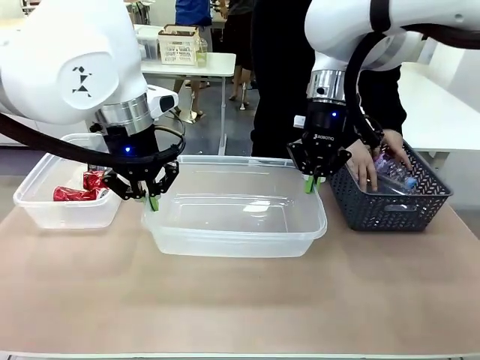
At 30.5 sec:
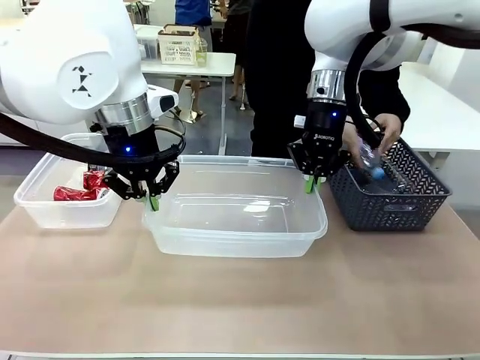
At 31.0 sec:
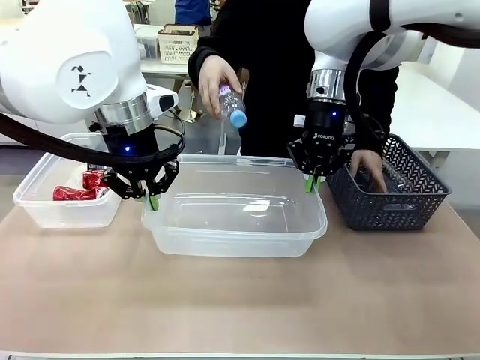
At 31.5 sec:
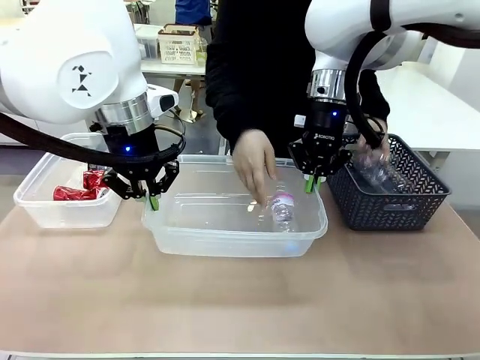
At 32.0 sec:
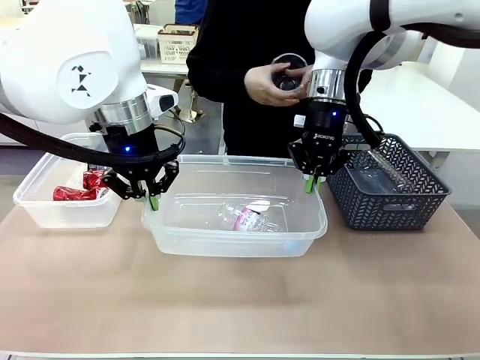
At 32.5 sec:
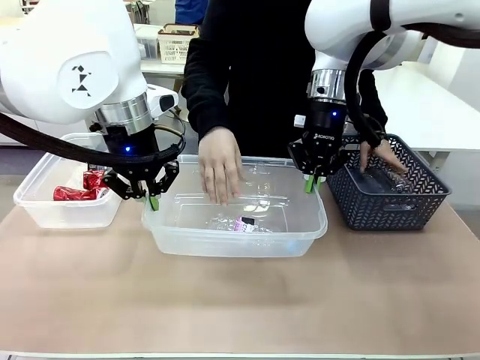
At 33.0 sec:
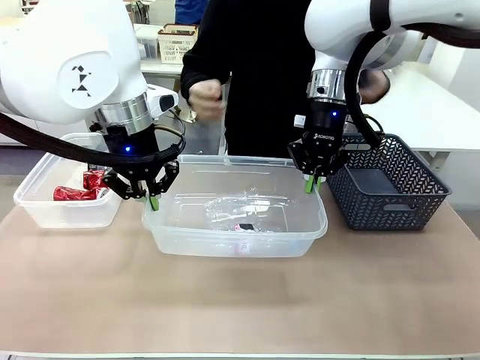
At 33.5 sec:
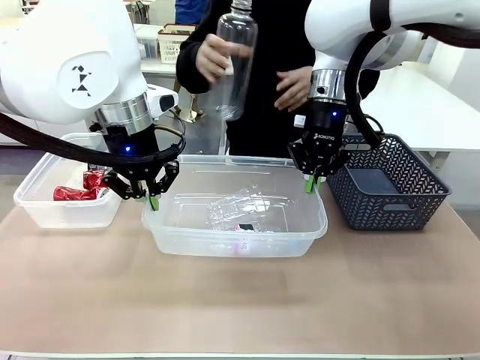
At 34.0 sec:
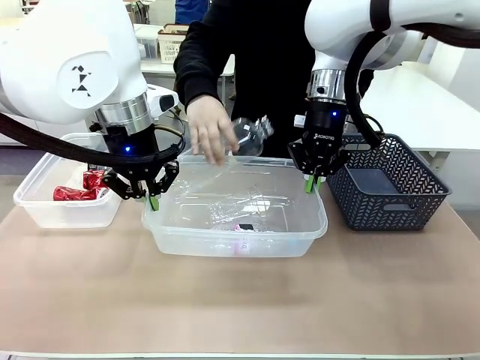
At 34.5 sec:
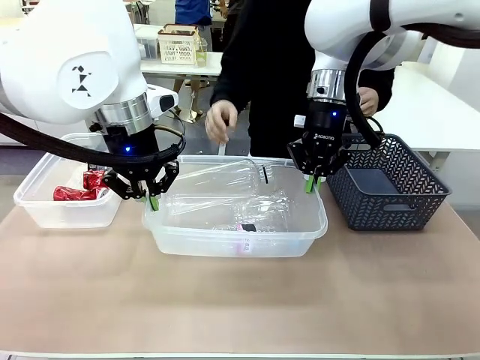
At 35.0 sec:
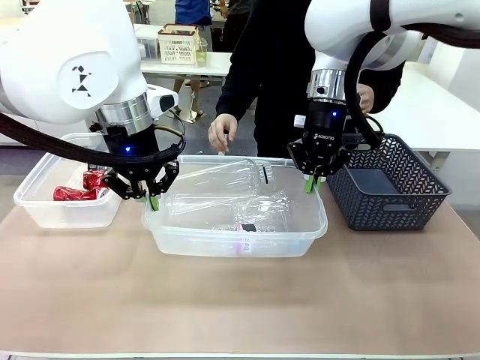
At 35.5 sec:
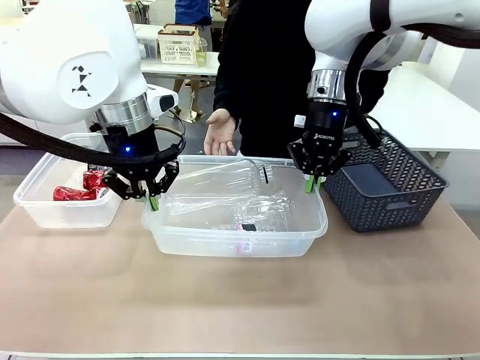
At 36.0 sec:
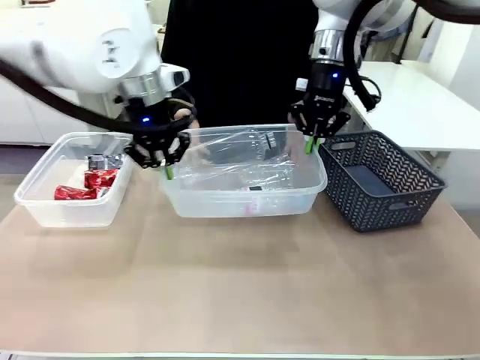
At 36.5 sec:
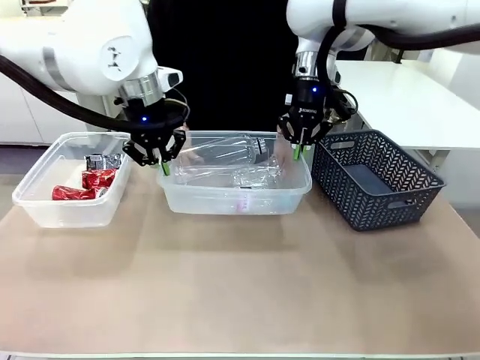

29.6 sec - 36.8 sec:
Robot: Offer the picked Organizing box to the human.

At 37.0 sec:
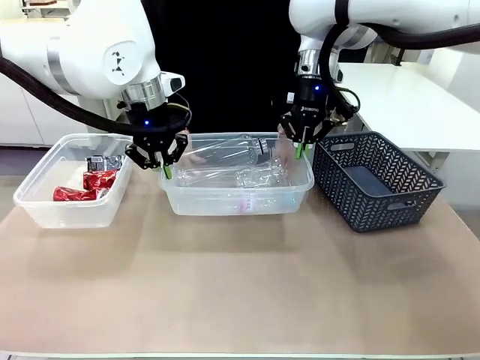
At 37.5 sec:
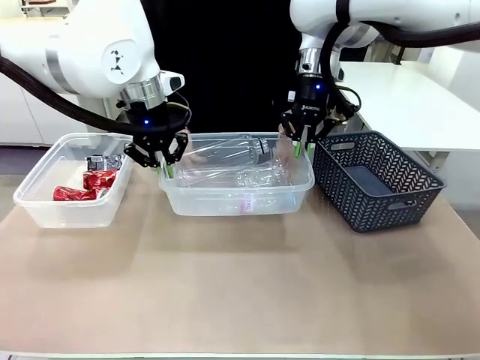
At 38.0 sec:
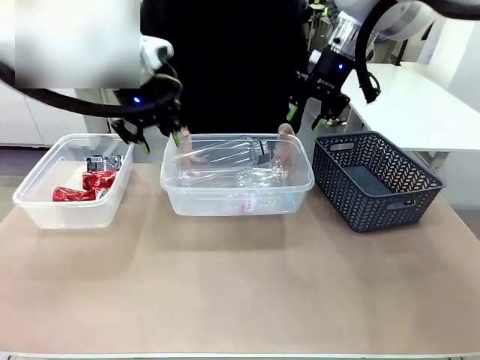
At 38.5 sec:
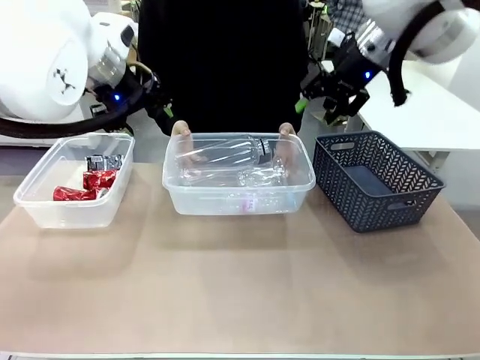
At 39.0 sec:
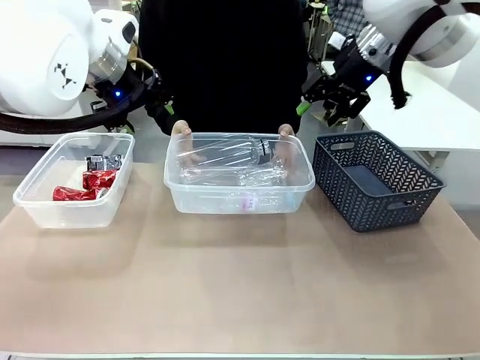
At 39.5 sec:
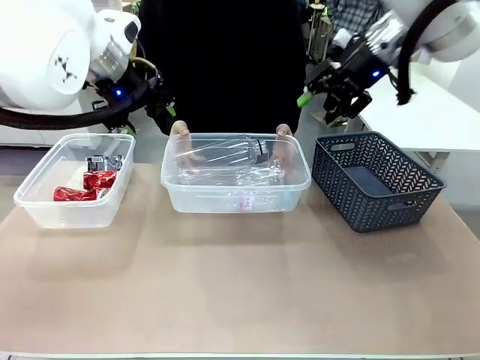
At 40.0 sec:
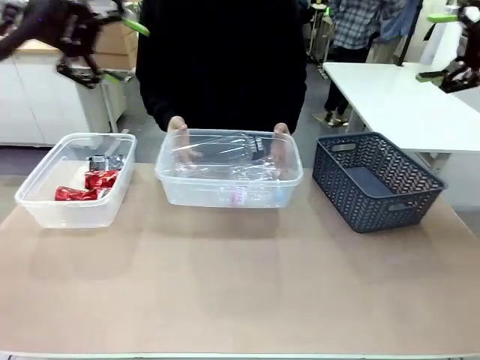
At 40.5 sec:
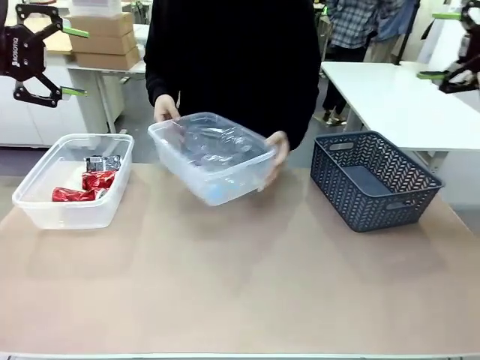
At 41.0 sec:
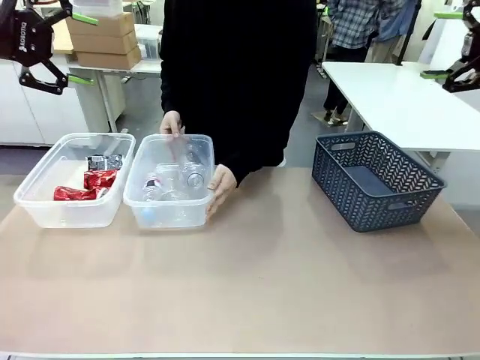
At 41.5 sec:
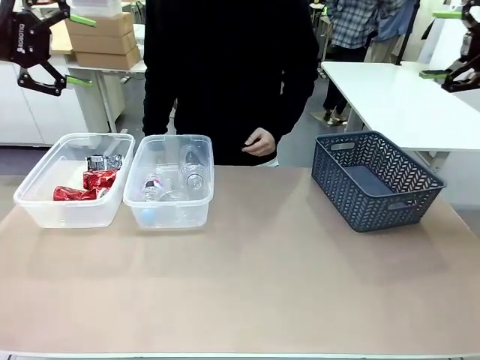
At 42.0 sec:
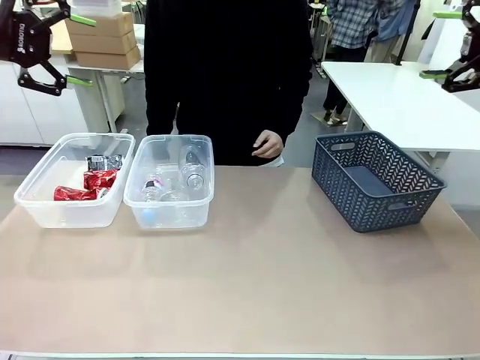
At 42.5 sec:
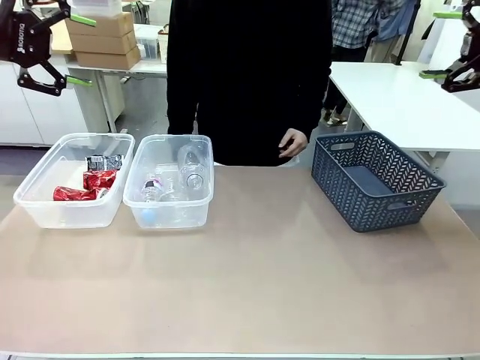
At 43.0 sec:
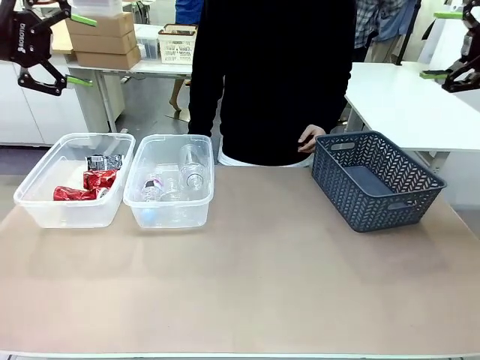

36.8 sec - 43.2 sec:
Robot: Release the Organizing box you were holding.
Person: Pick up the organizing box extended by the robot. Place the organizing box to the left of the sorting box containing the can waste.

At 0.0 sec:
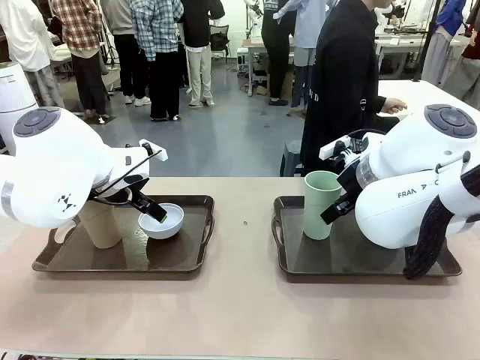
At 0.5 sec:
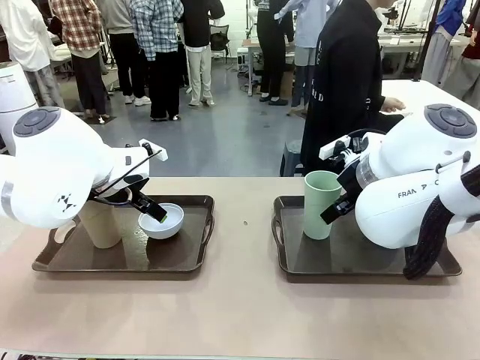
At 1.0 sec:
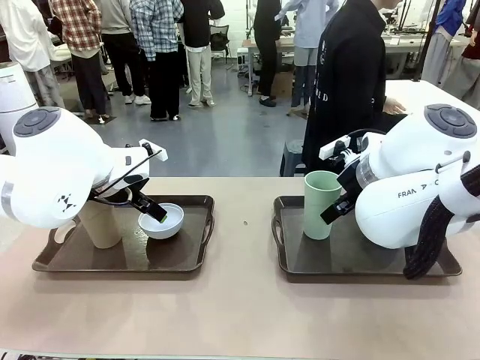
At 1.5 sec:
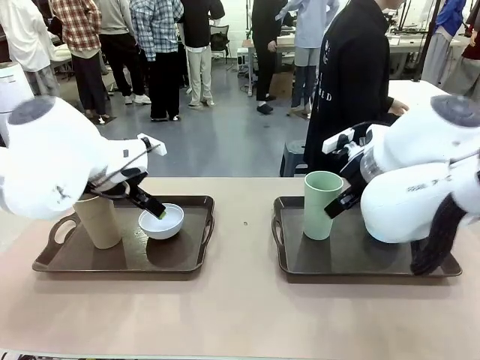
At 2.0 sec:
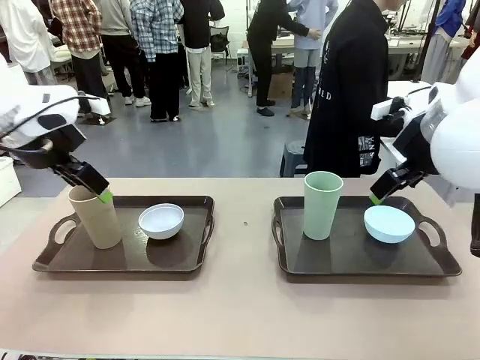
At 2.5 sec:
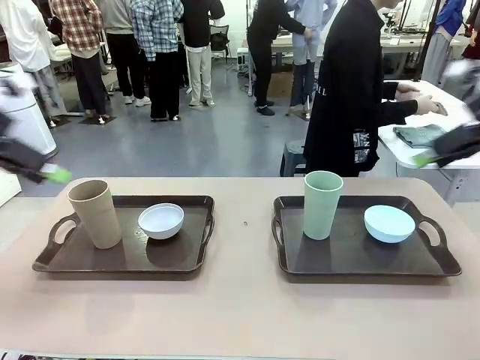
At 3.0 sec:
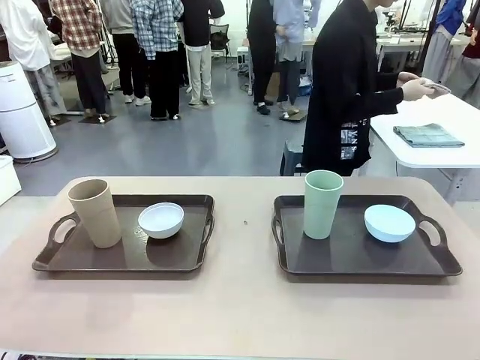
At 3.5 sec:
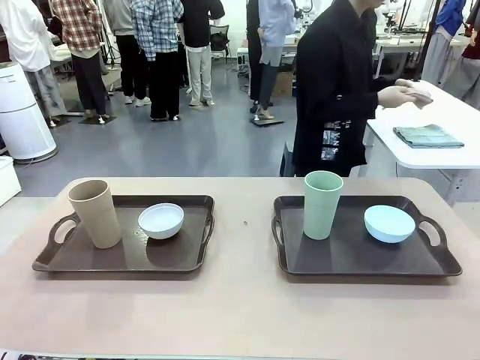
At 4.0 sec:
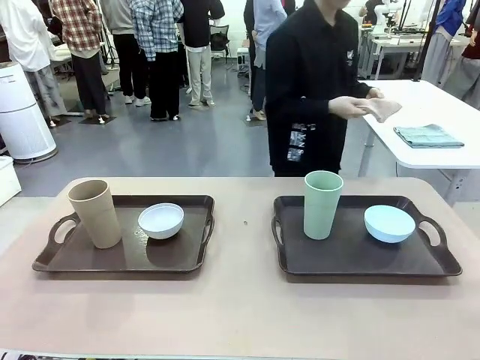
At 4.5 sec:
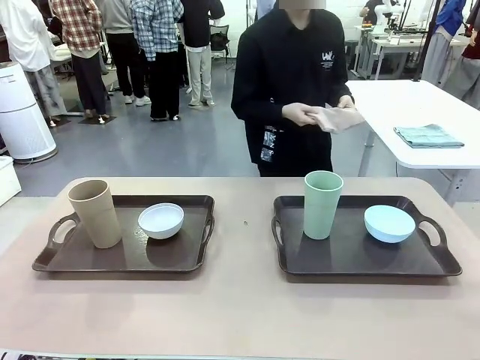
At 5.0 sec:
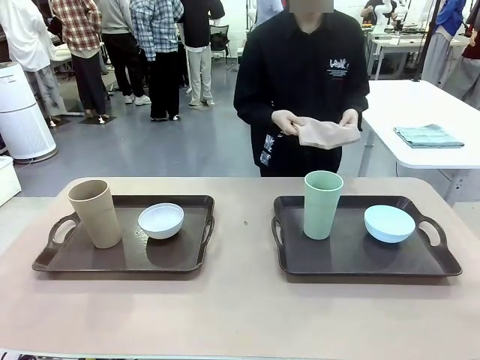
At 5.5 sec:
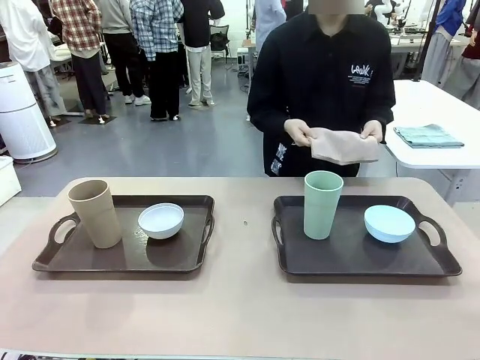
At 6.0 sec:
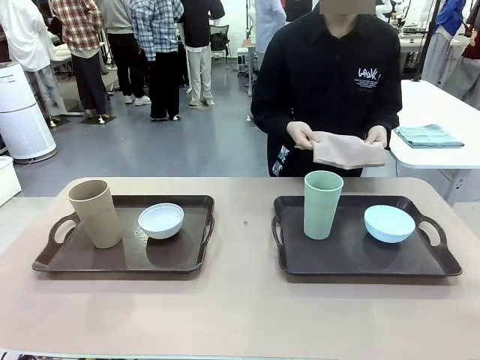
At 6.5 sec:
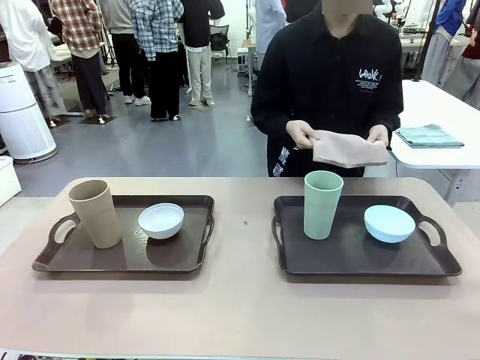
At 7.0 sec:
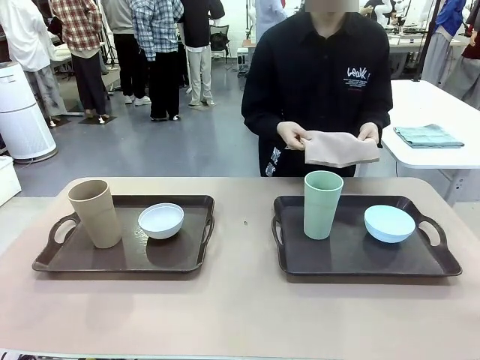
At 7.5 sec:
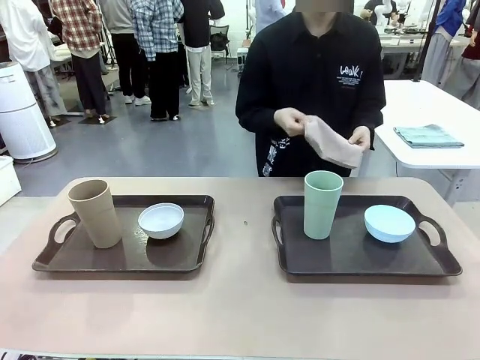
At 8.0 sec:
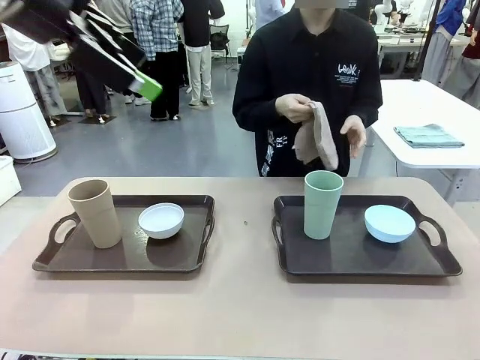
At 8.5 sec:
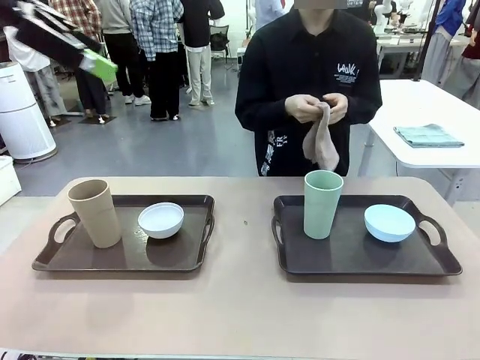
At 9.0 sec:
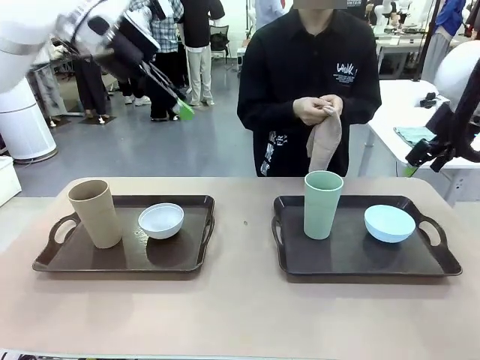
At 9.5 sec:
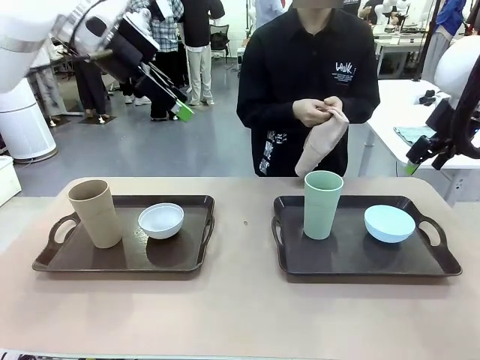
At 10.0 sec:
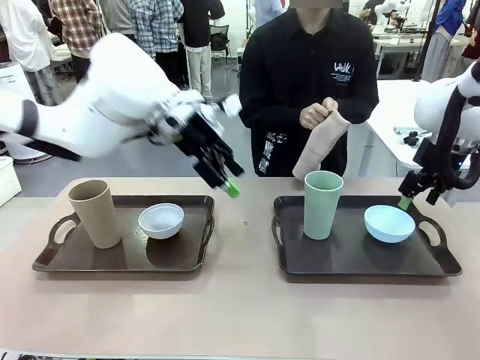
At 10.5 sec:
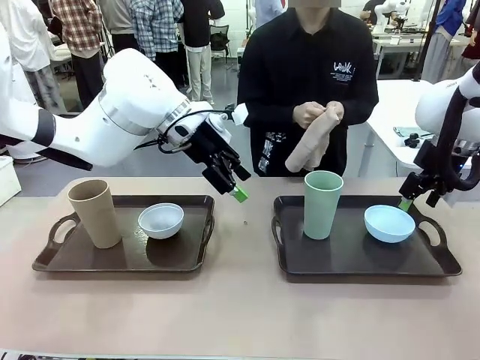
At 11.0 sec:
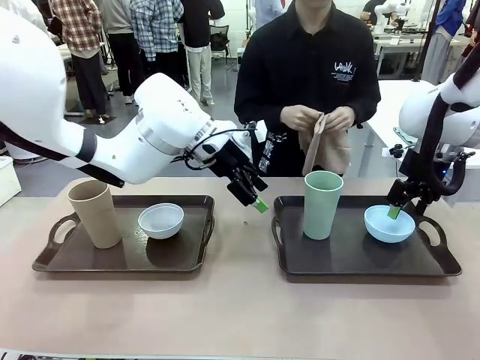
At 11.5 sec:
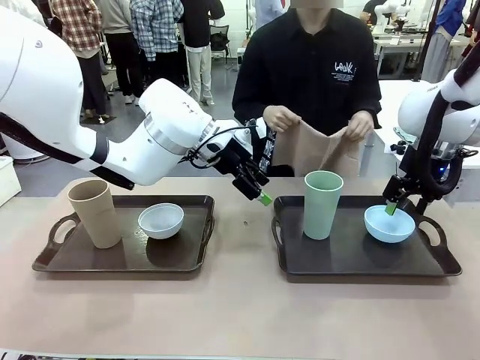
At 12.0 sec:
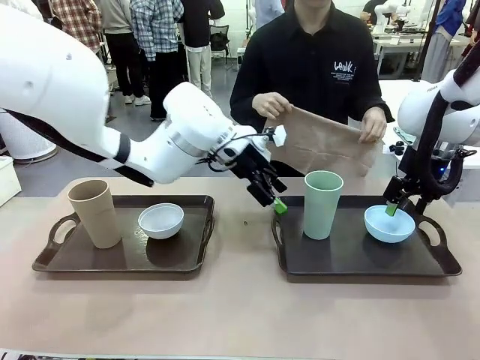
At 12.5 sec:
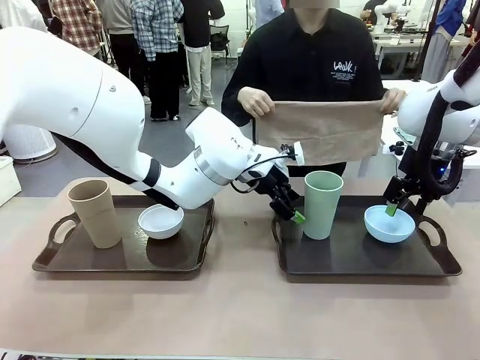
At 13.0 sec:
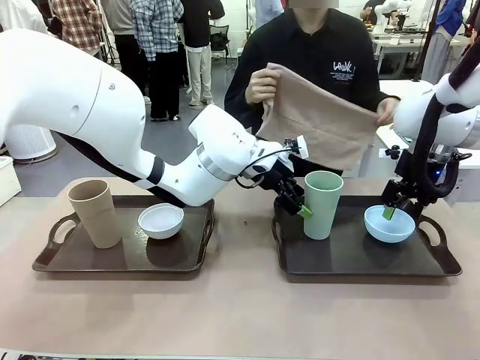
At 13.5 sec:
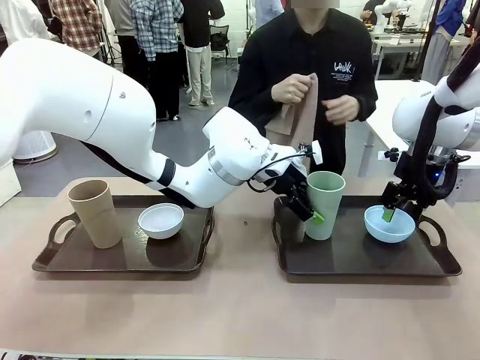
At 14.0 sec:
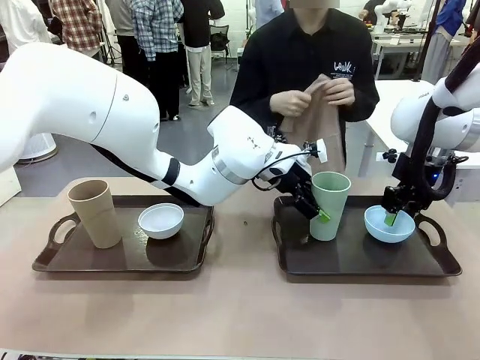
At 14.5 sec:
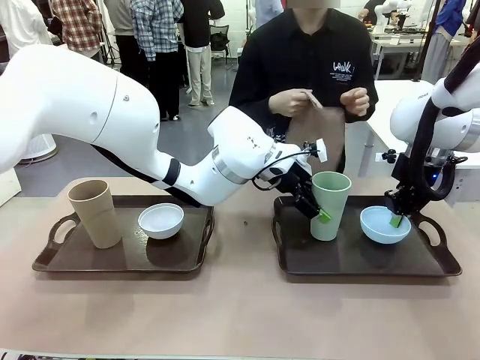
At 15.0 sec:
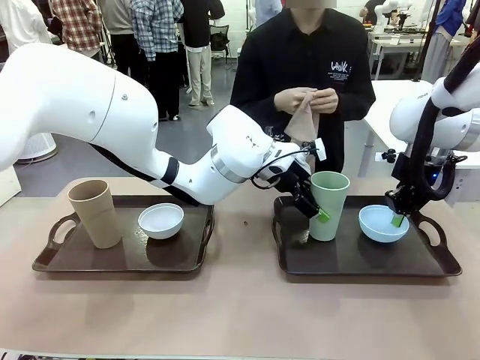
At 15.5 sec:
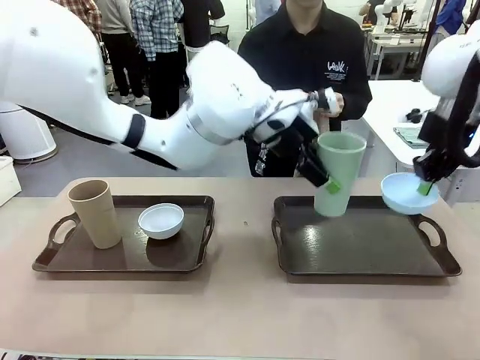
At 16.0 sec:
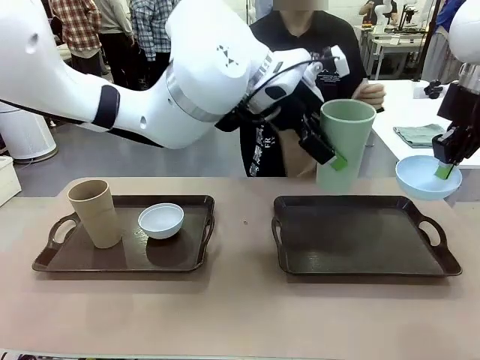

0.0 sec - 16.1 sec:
Robot: Pick up the Picnic Bowl and Reusable plastic cup from the Handle tray in front of the human's position and hold them in the air.
Person: The human picks up the top napkin from the stack on the human table and walks to the robot table to stand in front of one of the two trays. When the robot lifts the bowl and the cup, the human unfolds the napkin and lays the napkin flat on the tray.
